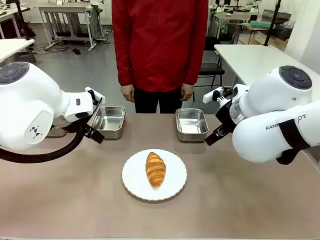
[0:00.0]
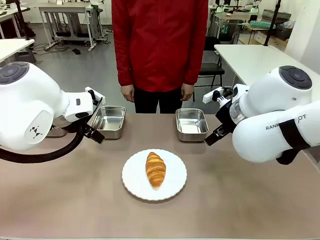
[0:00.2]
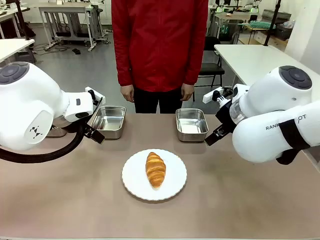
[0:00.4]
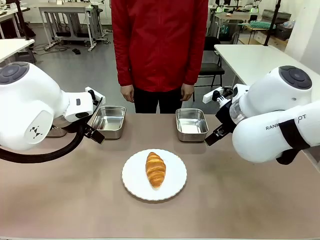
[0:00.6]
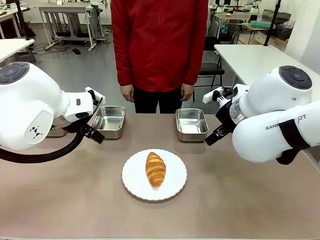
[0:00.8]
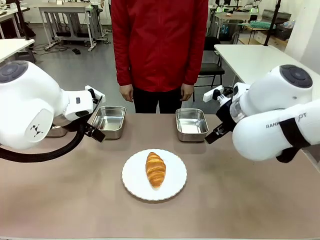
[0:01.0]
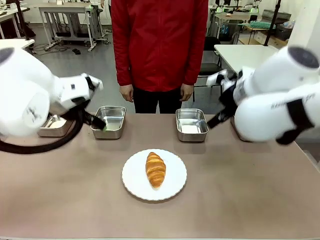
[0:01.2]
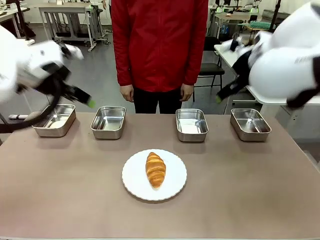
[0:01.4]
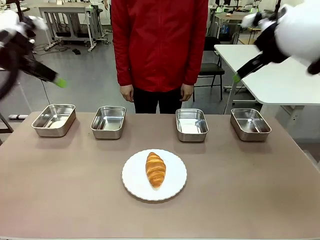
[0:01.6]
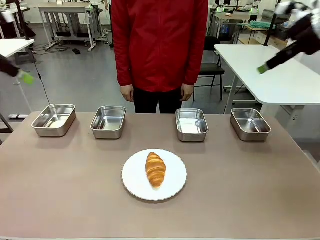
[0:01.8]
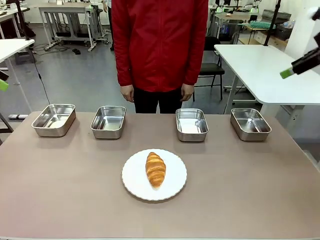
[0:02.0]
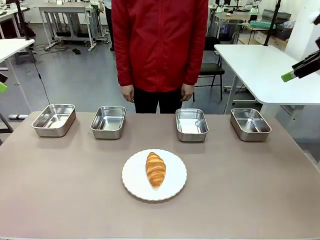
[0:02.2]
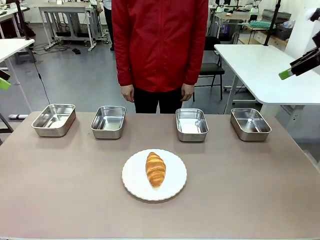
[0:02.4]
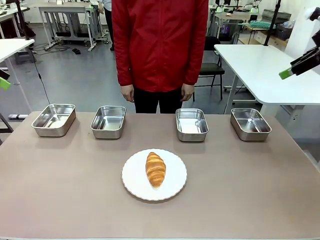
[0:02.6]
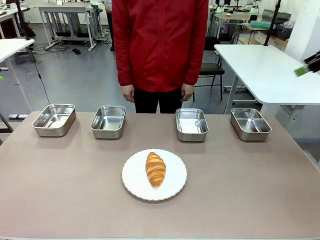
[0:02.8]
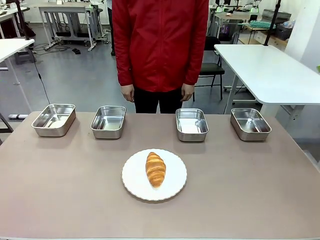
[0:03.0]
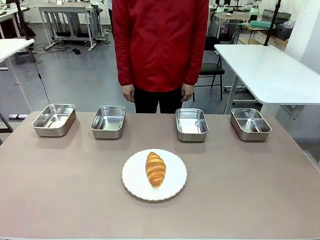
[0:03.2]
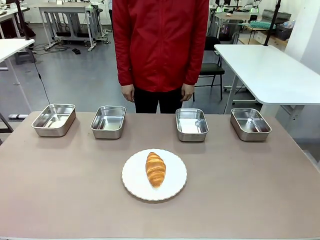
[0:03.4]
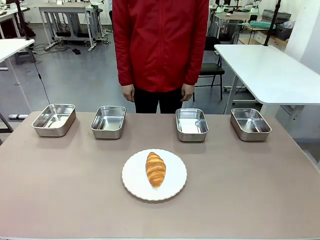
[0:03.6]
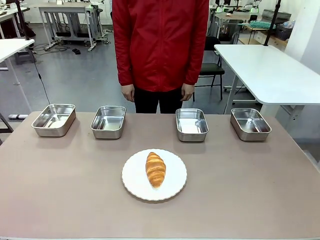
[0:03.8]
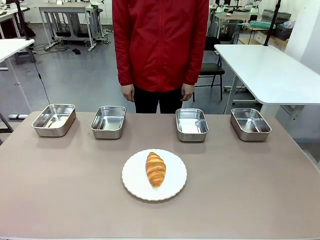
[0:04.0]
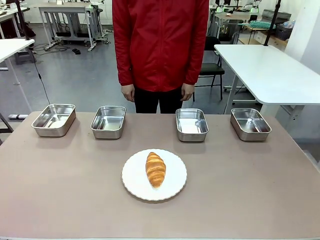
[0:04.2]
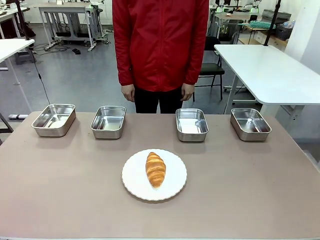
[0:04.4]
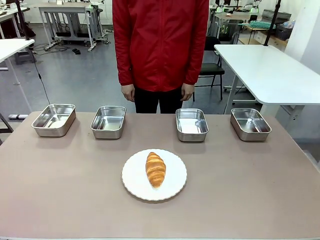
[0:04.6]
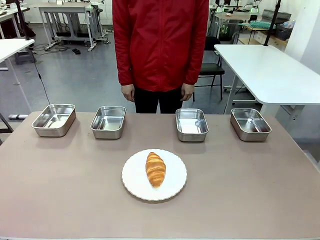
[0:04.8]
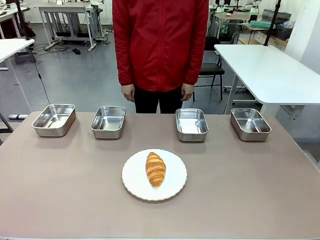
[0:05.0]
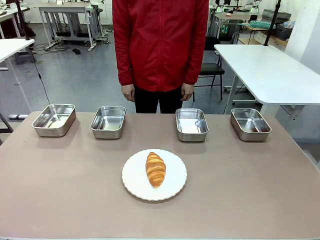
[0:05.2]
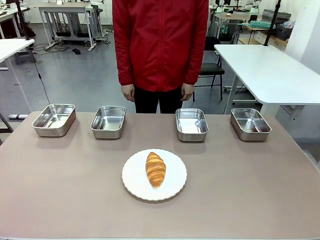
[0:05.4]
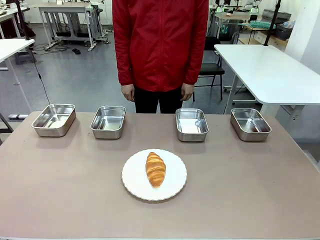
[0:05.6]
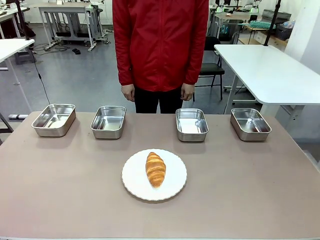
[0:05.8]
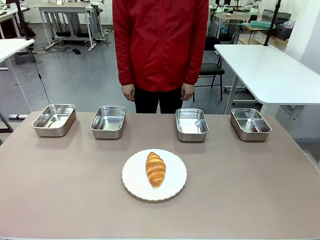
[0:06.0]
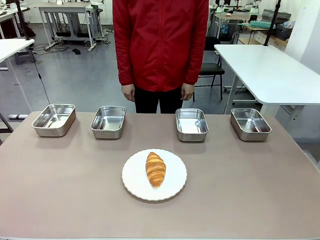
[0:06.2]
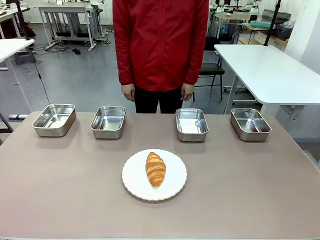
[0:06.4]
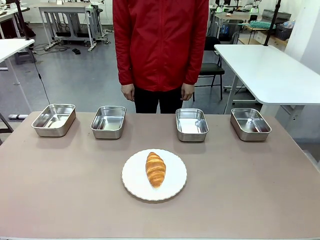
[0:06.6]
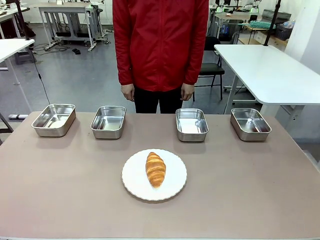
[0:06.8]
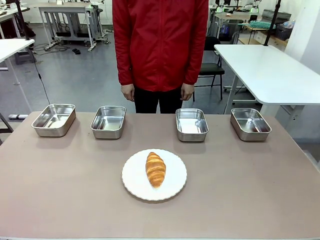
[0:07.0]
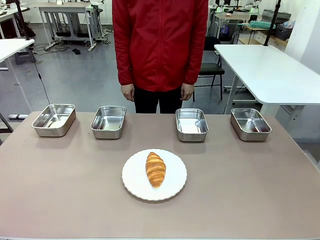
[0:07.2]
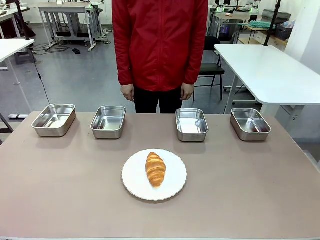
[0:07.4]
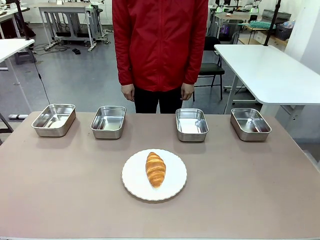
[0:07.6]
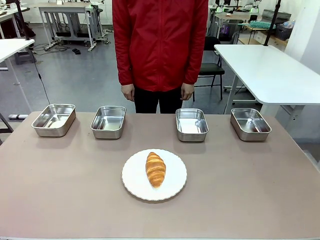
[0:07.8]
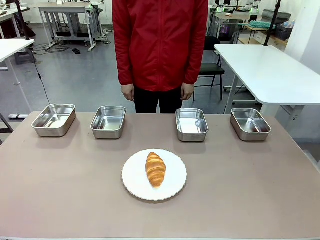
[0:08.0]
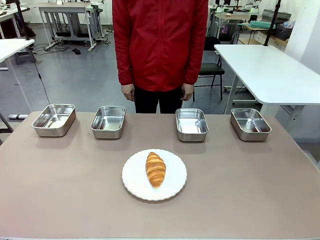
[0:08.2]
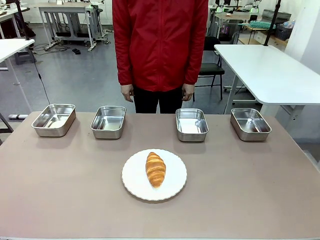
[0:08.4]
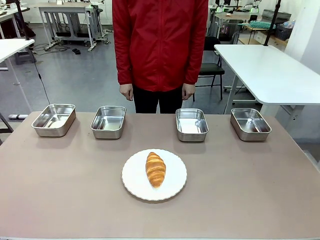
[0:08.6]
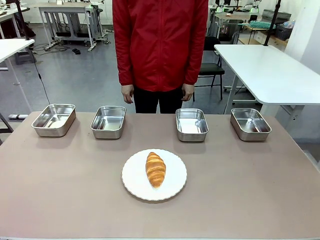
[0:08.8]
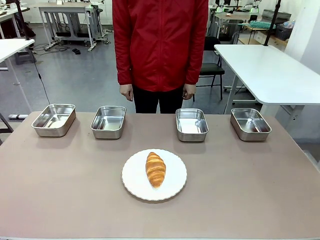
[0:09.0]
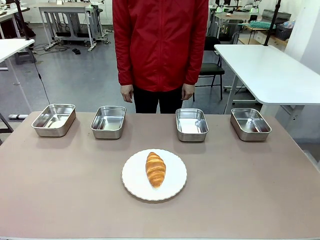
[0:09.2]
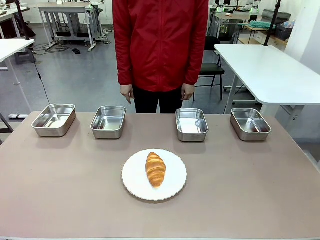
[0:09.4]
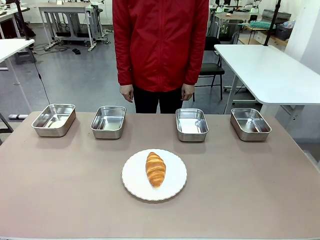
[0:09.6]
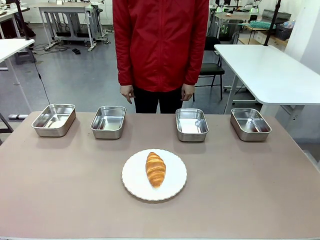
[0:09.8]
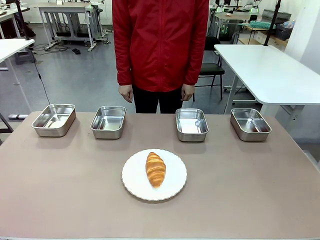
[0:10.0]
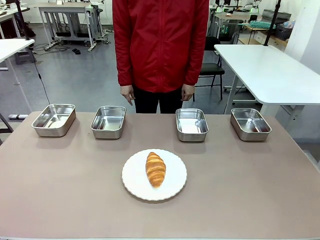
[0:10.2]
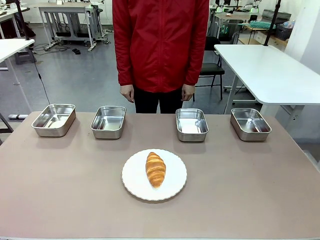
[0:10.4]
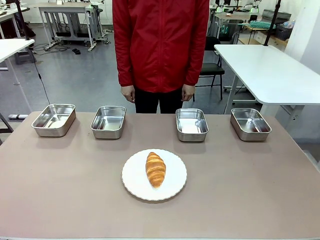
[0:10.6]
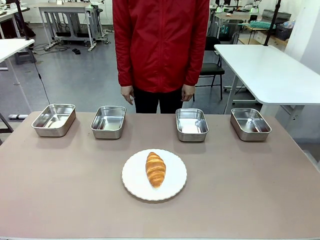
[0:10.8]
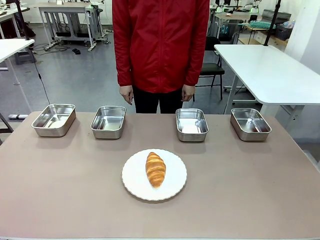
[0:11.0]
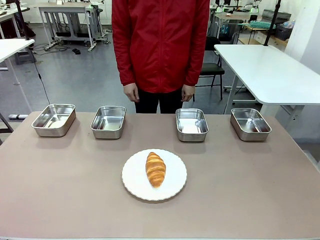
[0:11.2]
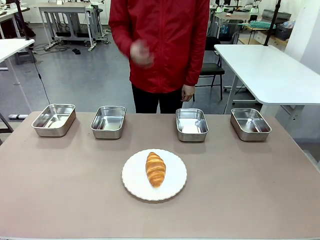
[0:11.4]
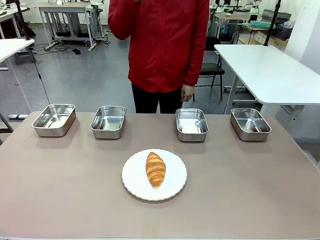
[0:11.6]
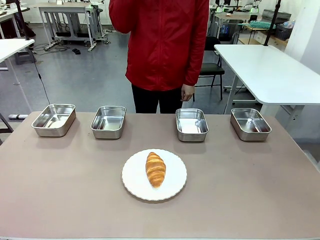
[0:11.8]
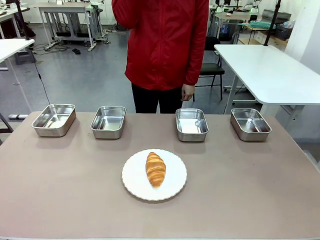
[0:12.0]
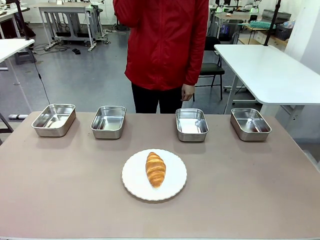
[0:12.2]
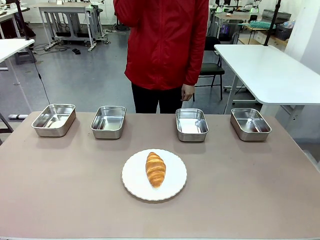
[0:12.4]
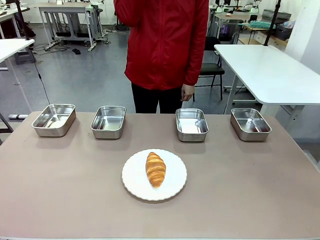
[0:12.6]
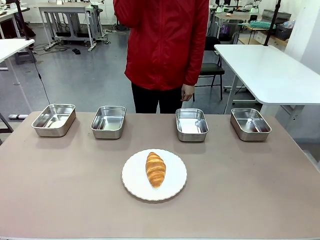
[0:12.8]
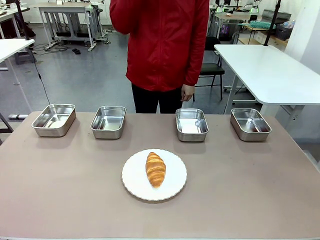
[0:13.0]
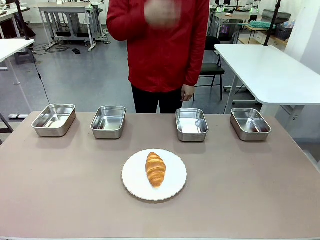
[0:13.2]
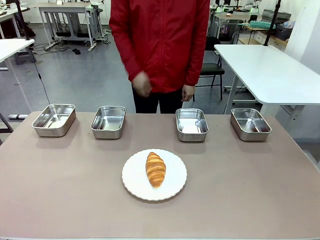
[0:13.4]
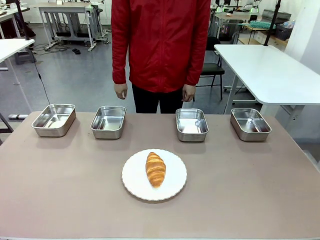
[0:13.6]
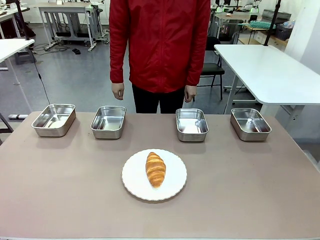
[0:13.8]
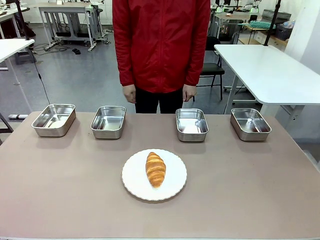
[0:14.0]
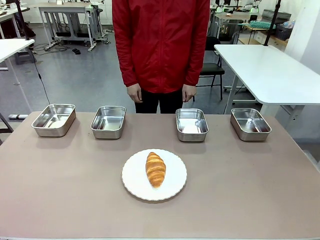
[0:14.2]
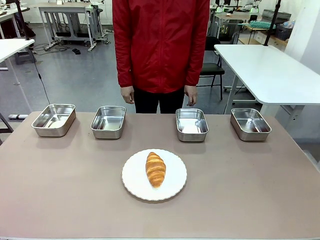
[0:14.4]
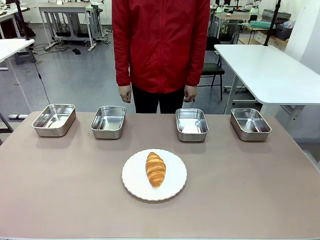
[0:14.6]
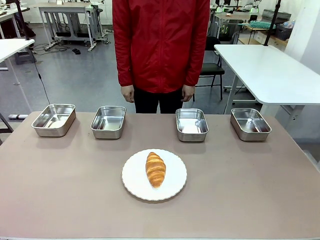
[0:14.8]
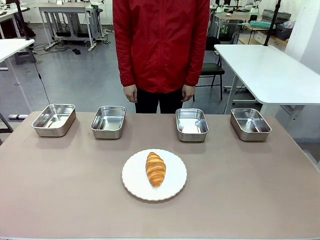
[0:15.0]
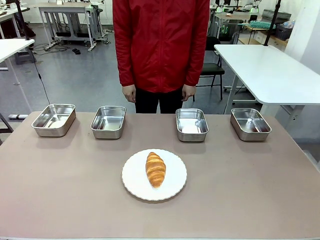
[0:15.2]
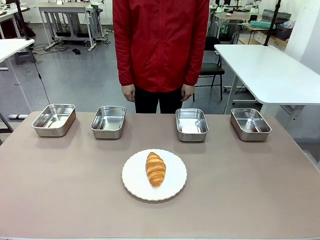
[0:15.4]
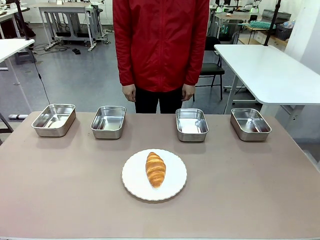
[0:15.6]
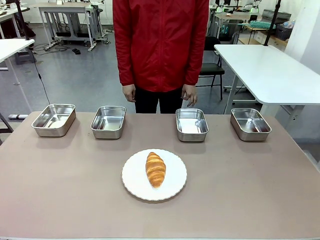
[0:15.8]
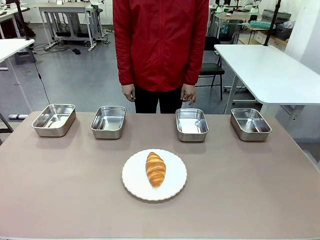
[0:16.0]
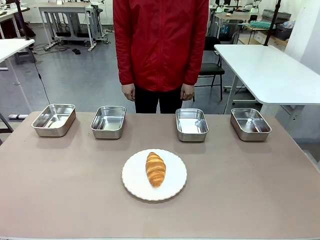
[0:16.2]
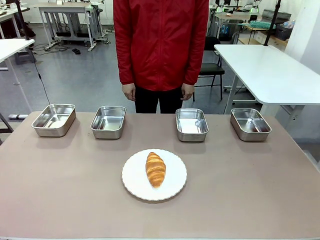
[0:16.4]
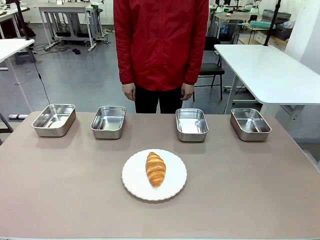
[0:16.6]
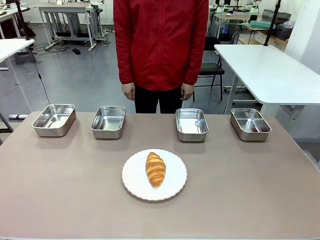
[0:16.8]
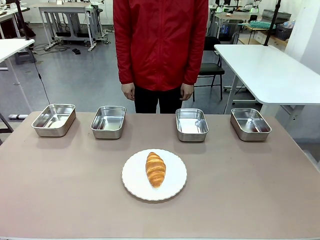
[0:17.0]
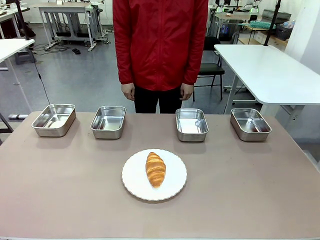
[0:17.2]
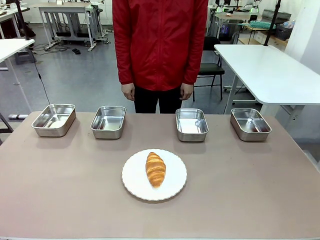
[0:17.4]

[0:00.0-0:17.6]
Task: Place the bread in the container.
Robot: Place the Butter Roll into the Airtight Container indicated by the human.
